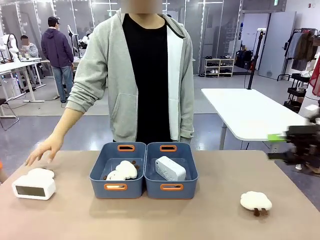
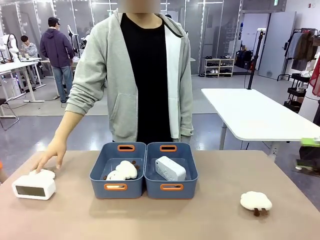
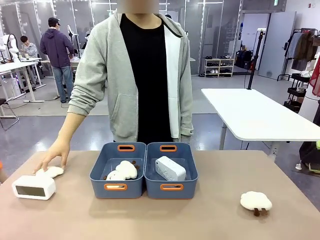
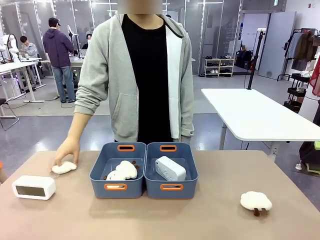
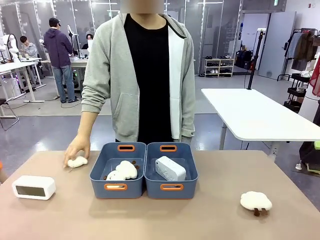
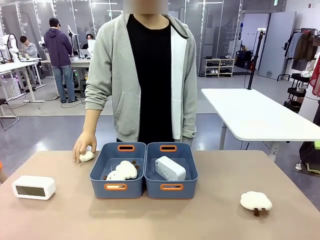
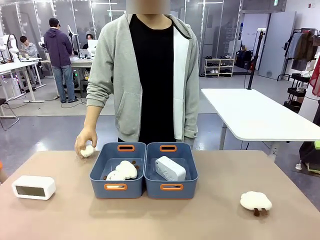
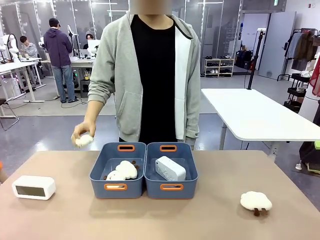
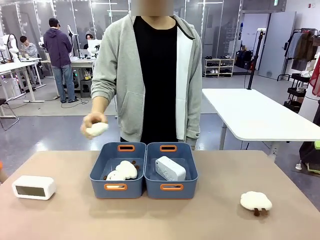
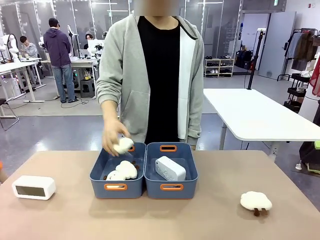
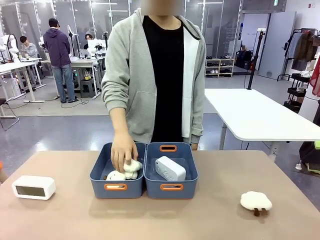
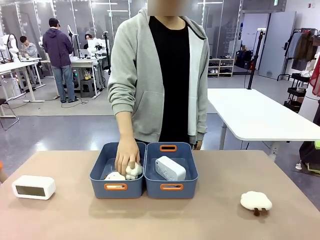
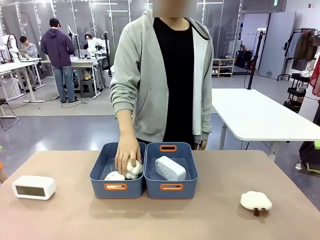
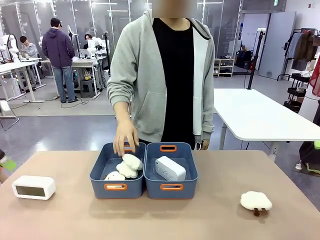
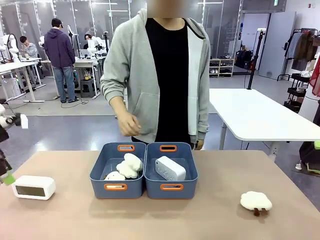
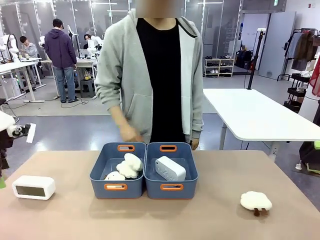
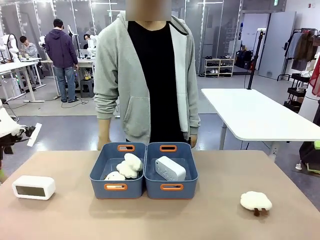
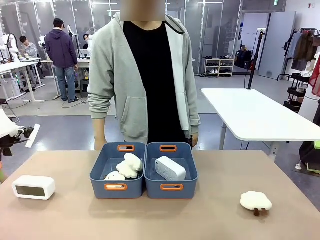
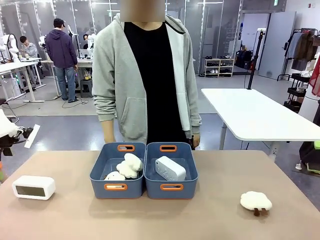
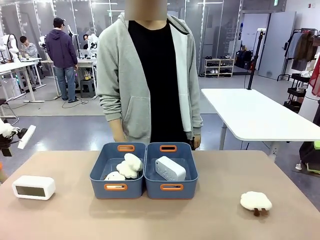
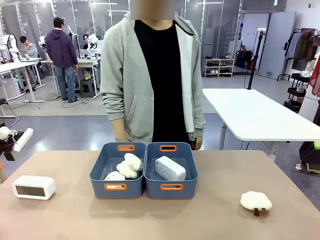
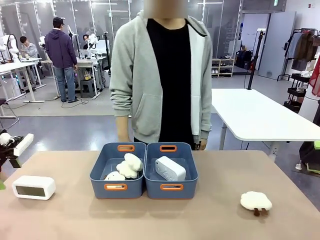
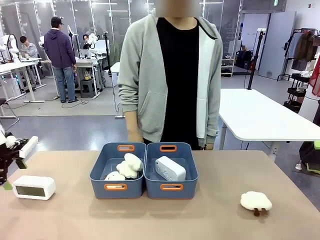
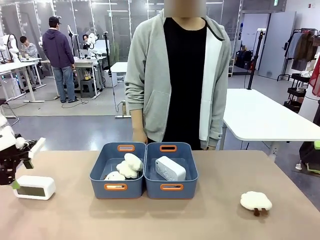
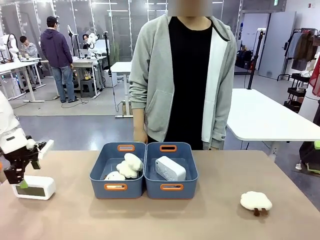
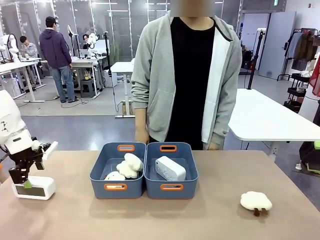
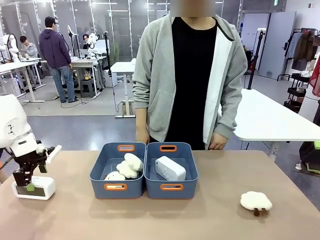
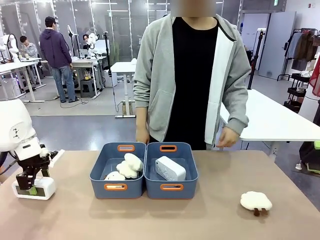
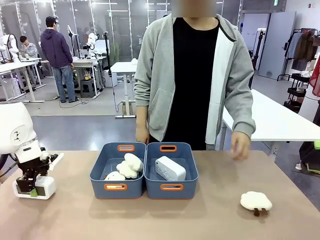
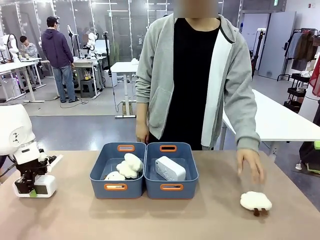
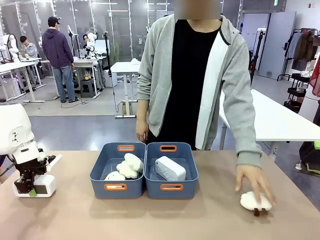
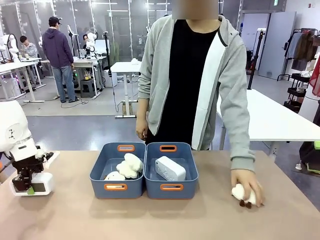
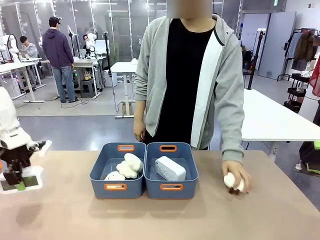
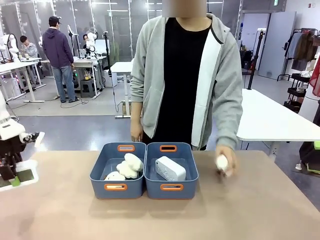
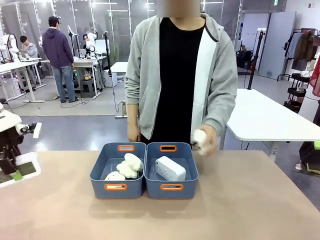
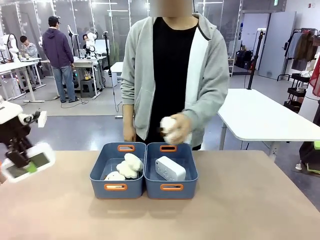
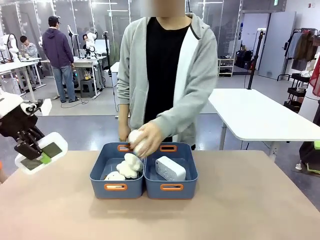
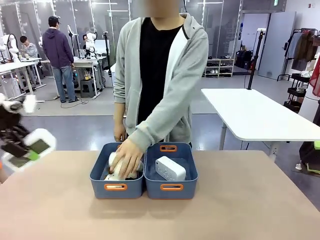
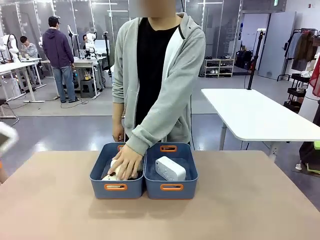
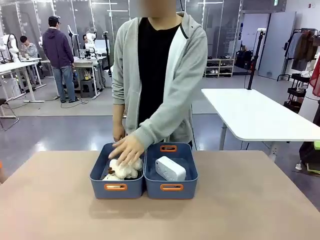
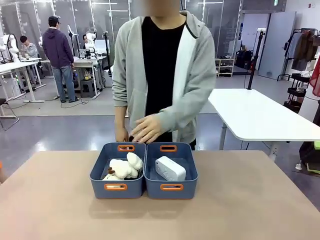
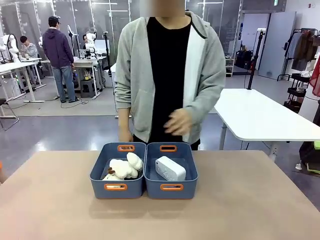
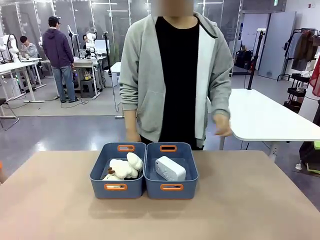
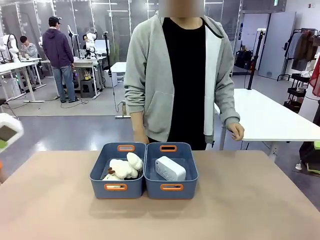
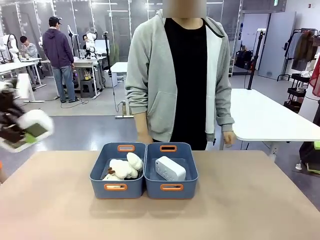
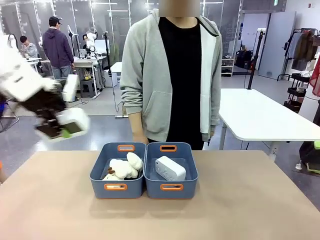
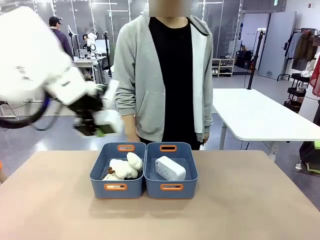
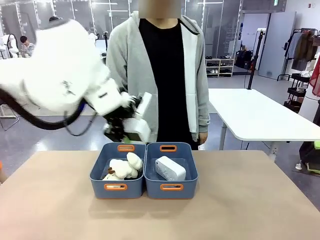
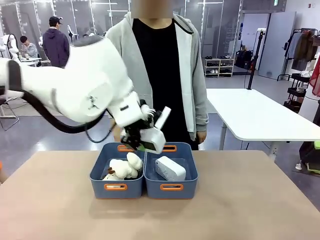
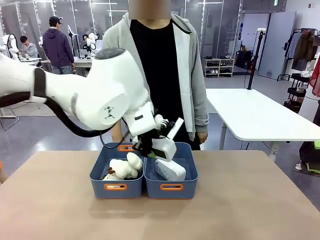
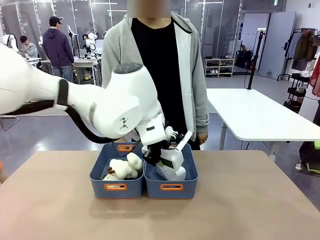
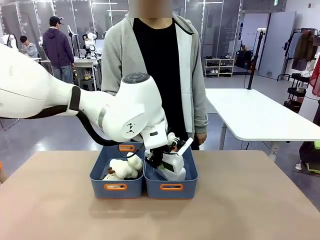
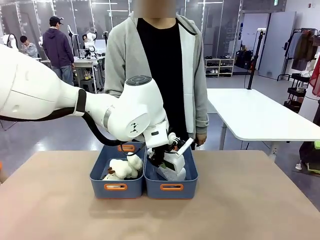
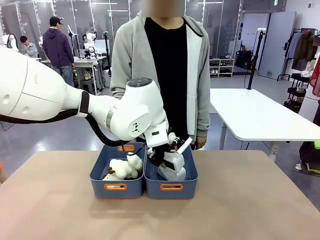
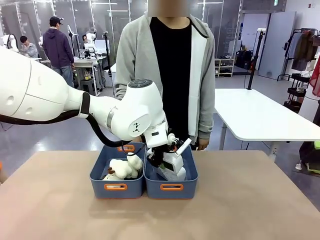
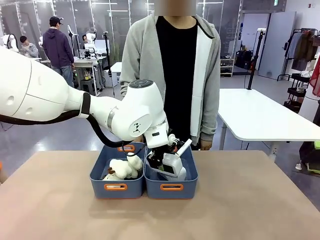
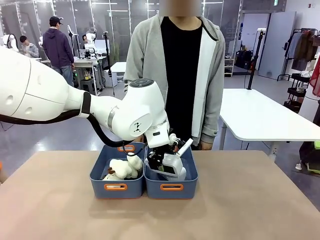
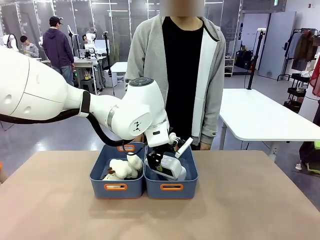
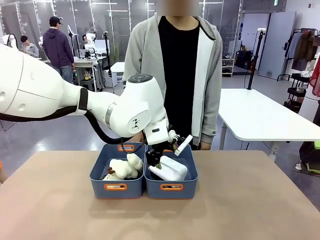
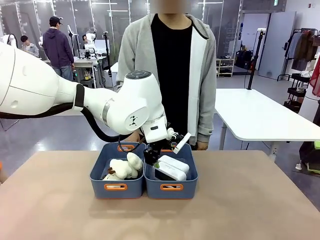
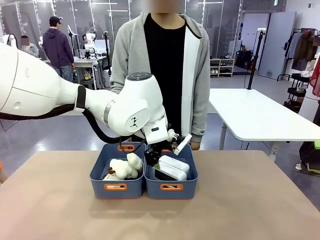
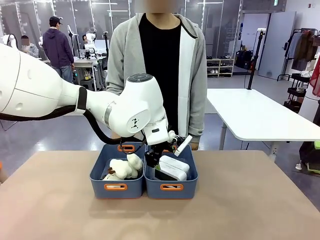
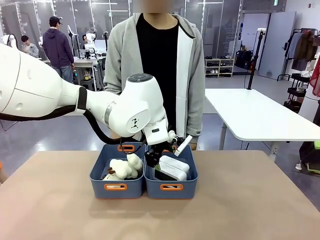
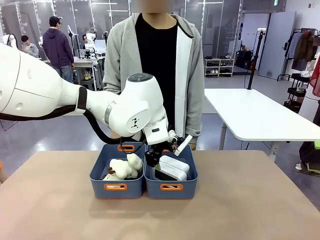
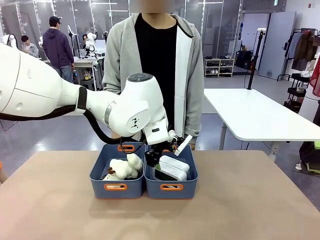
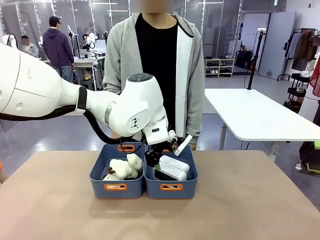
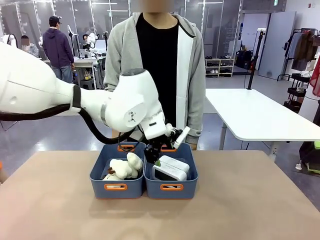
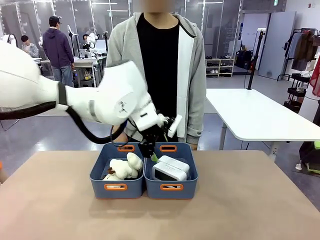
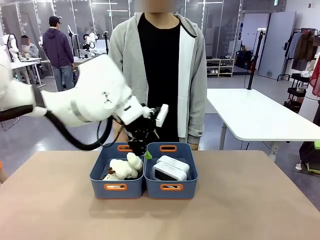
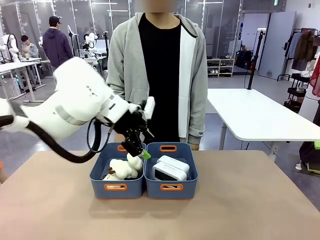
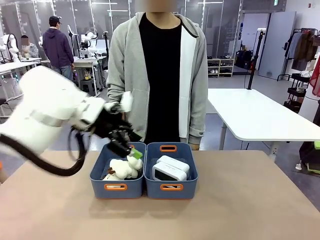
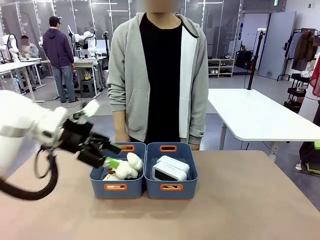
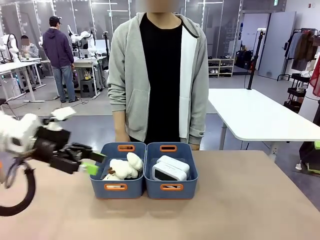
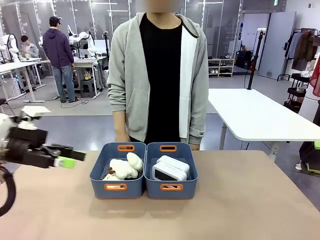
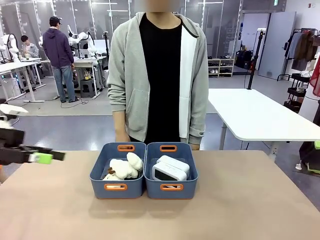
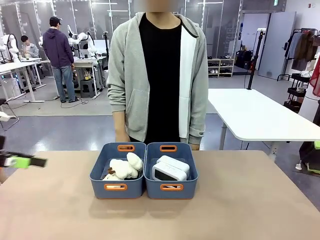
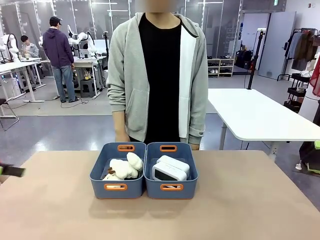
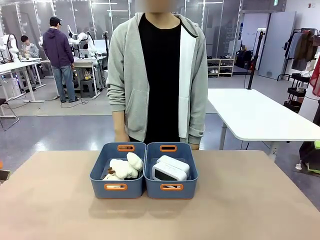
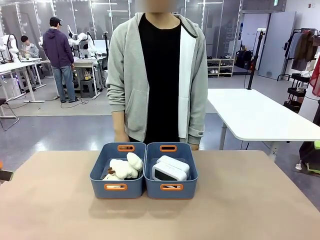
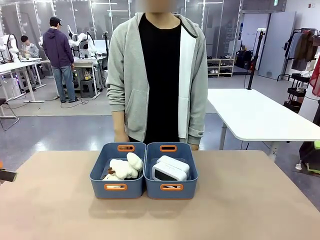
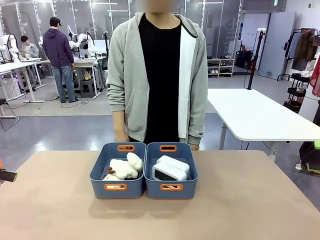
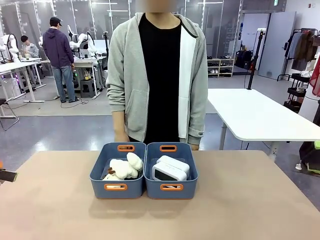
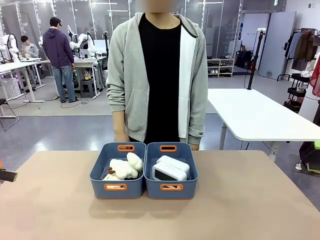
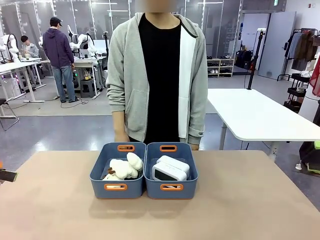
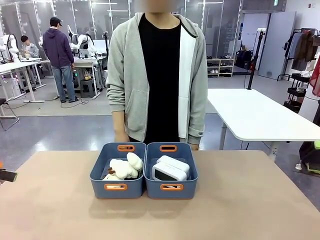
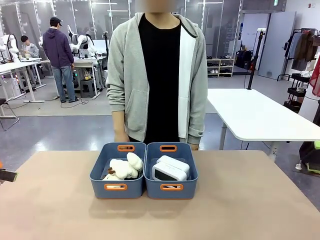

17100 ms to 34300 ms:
Task: Sort the digital clocks into the basket.
Robot: Pick up the Digital clock from the table and place it into the empty Plastic storage basket.
Person: Pick up a plush toy from the table and place it in the plastic storage basket containing the plush toy.

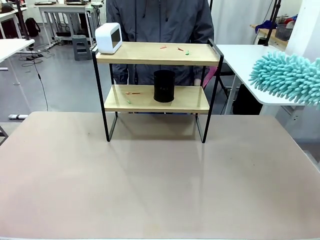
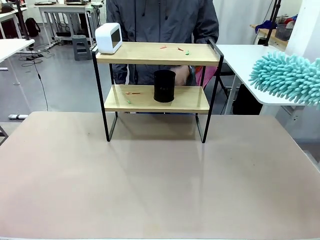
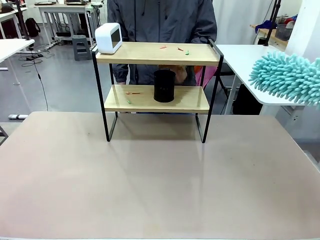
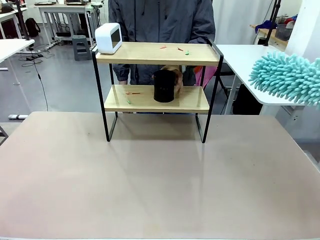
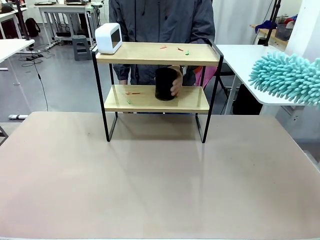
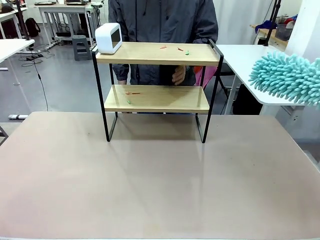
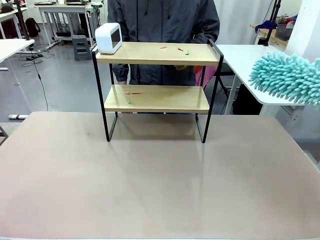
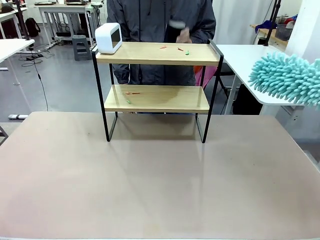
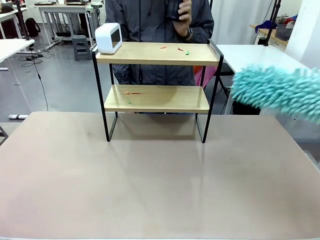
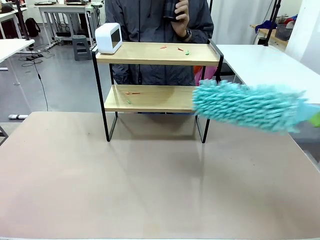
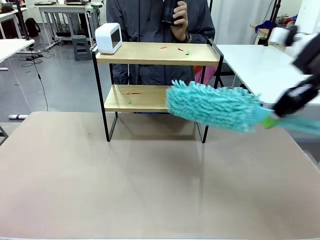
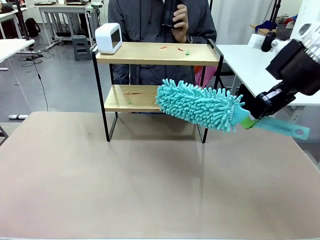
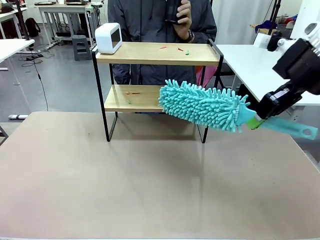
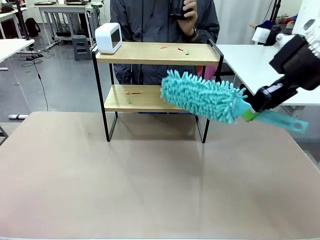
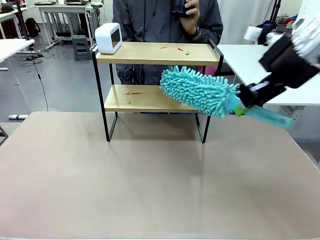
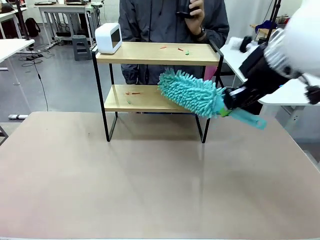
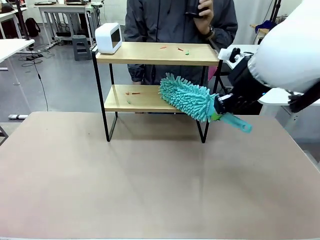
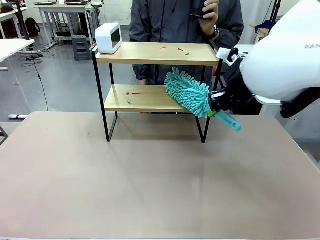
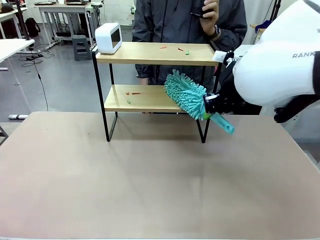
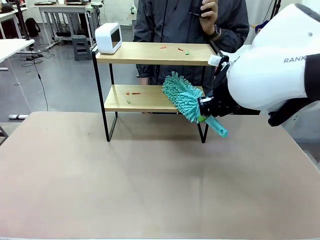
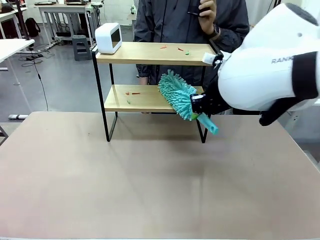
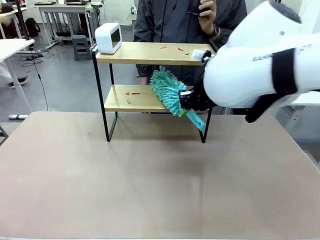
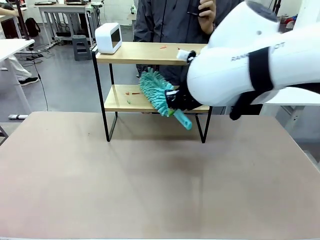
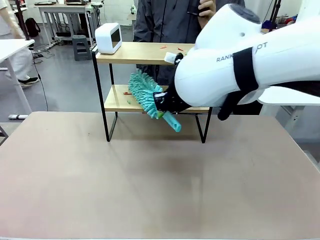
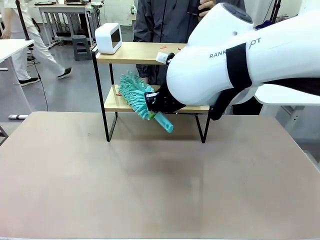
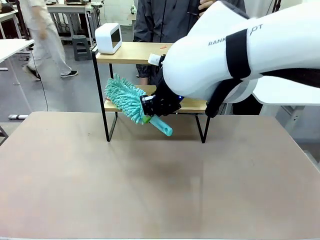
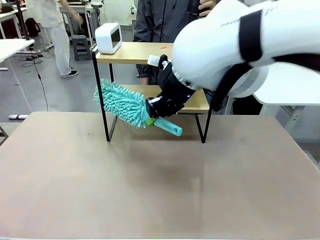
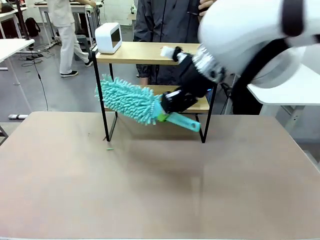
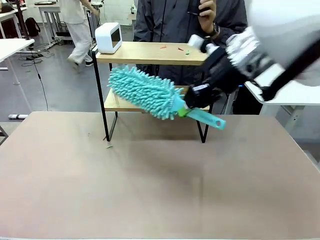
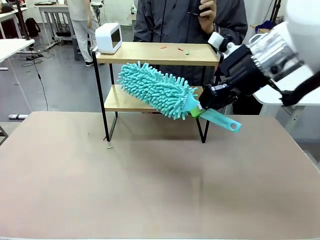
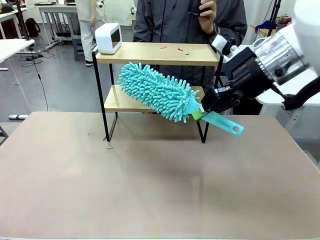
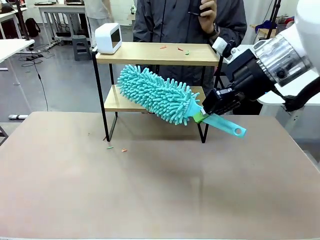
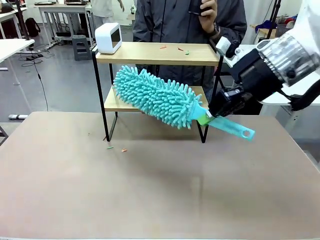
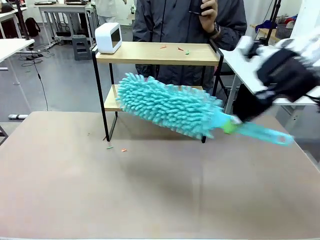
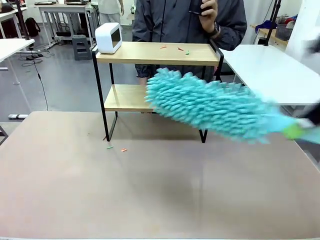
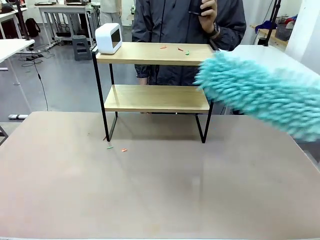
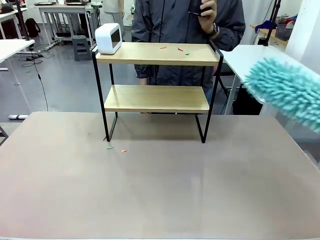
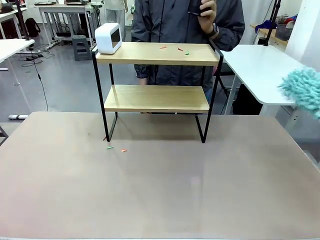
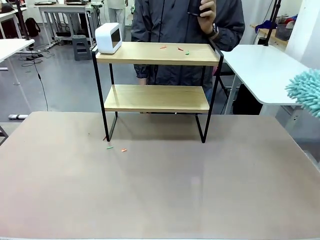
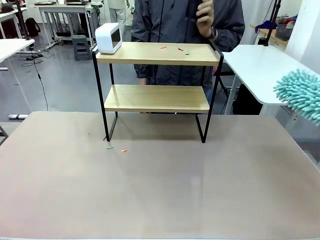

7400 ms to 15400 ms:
Task: Clean the shelf.
Robot: Clean the specific tier of the Shelf with the Duster once objects are removed.
Person: Lift the objects on a randomly selected tier of the Shelf. Once the robot finishes cleaning, lift the objects on the remaining tiers of the Shelf.
